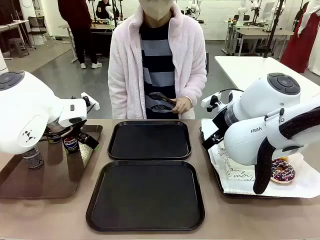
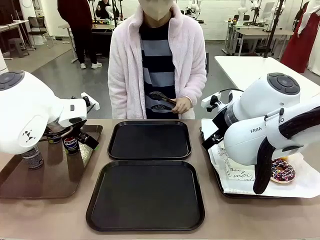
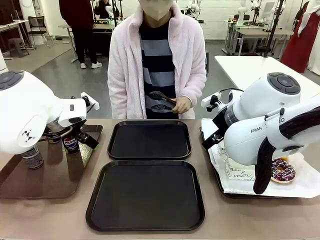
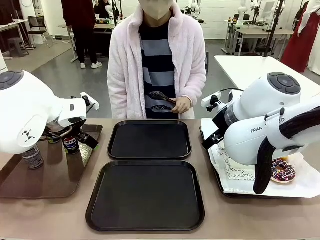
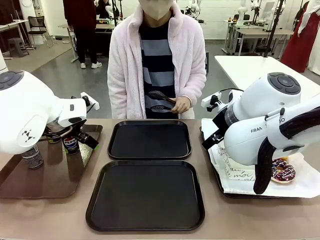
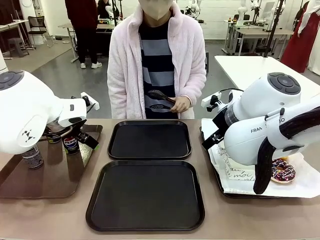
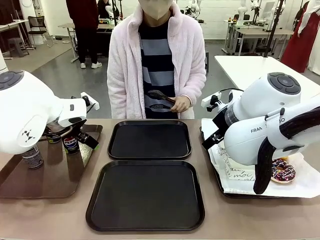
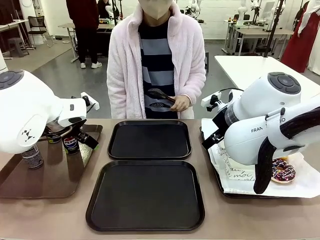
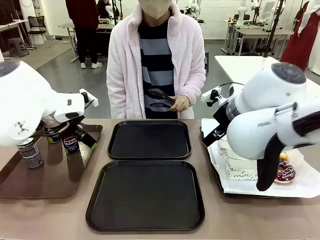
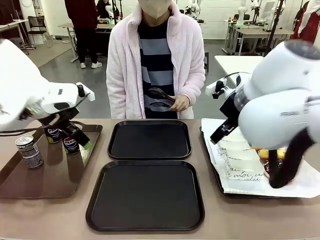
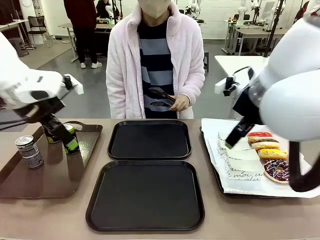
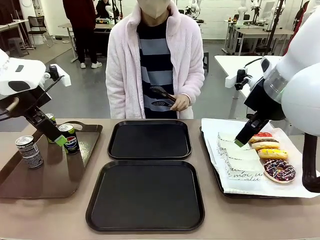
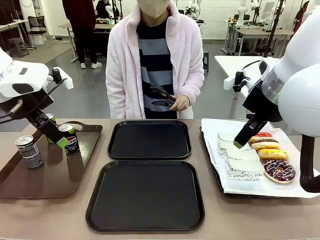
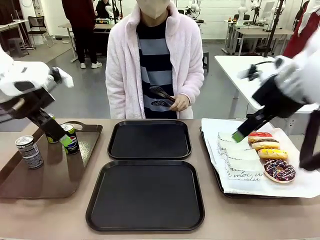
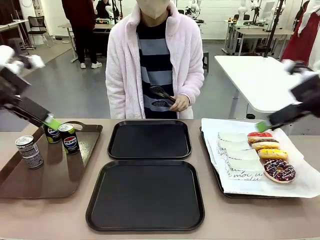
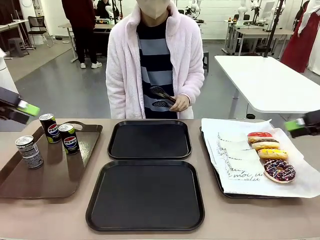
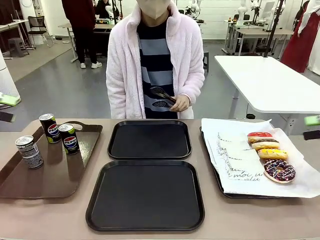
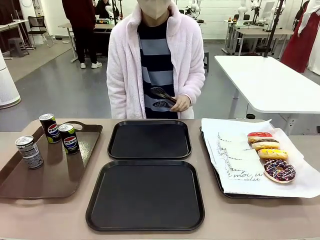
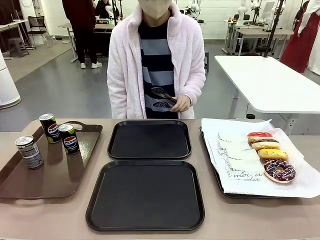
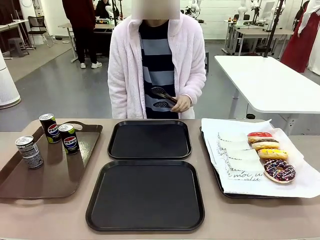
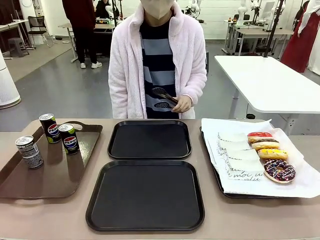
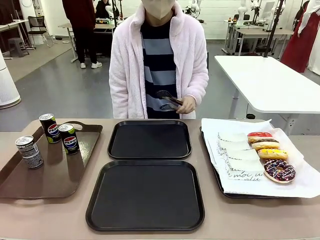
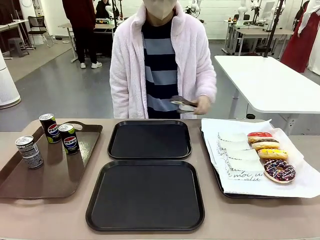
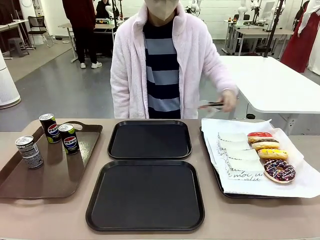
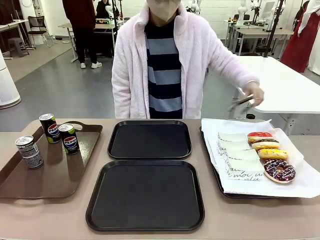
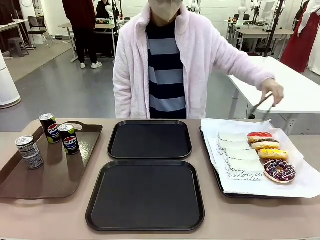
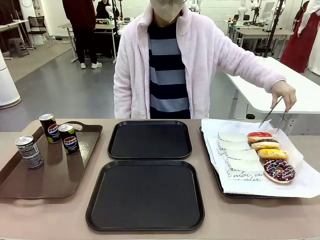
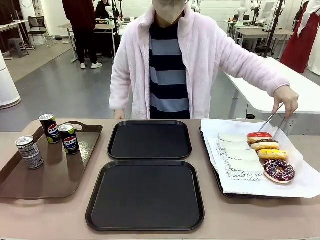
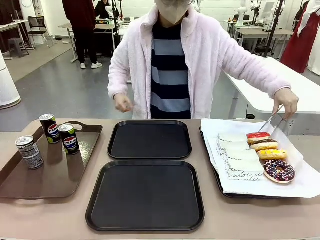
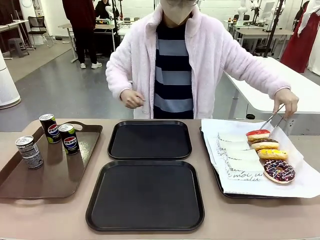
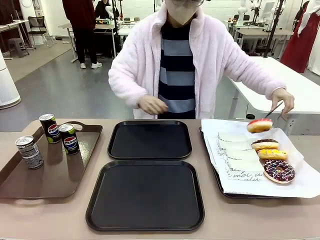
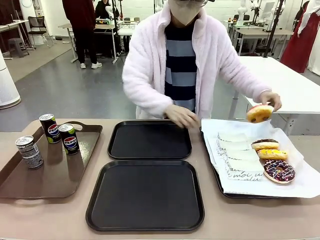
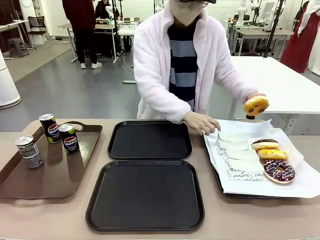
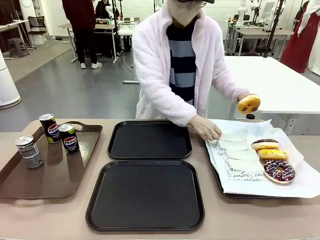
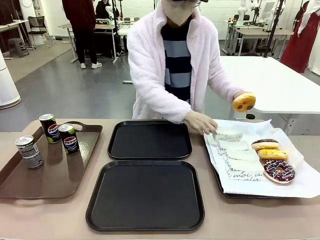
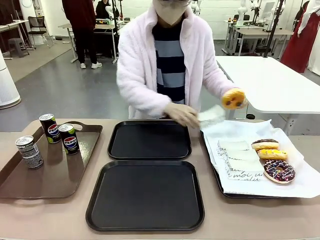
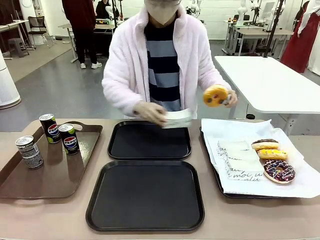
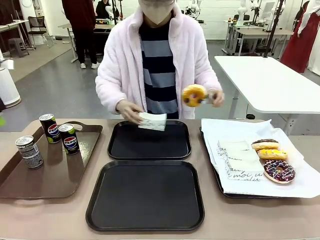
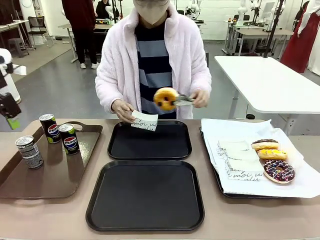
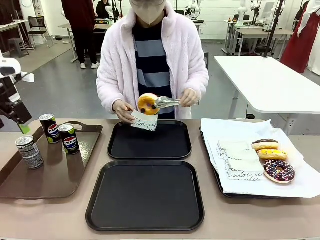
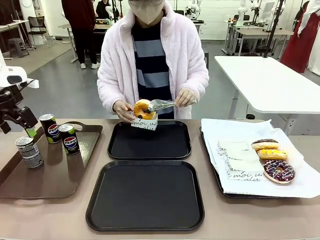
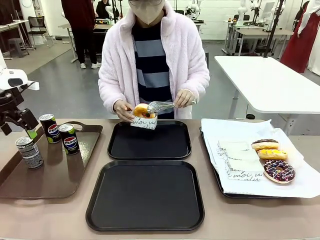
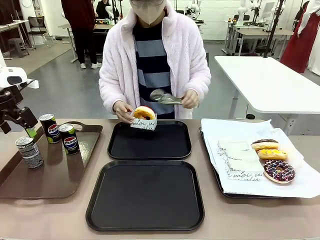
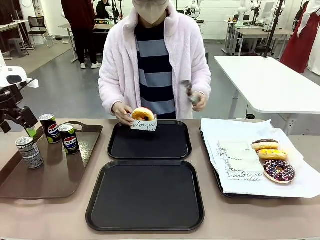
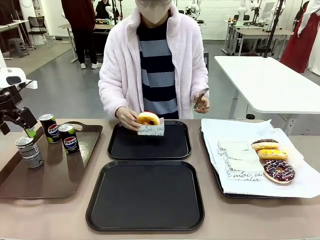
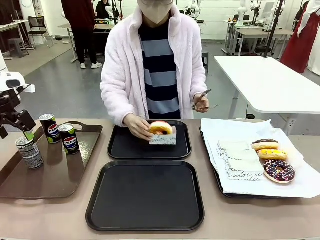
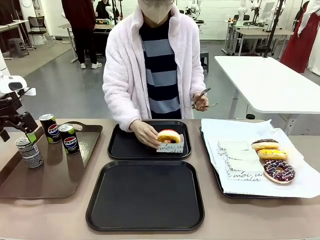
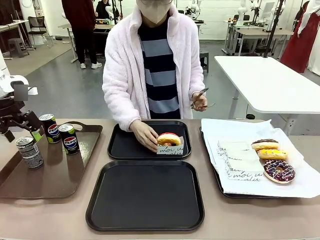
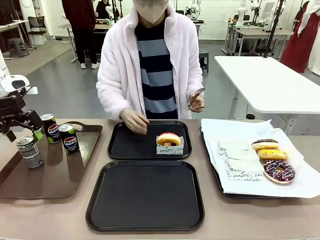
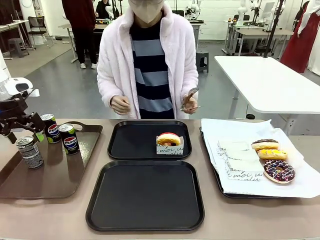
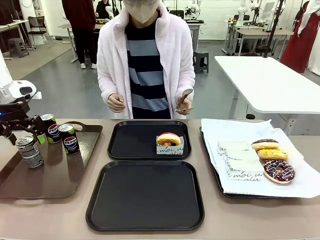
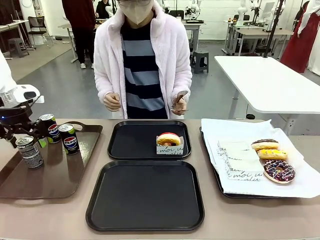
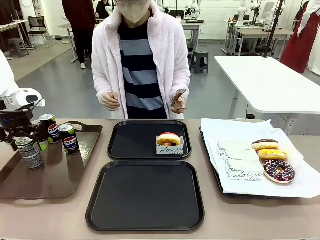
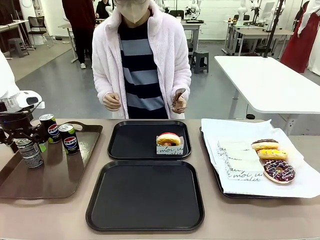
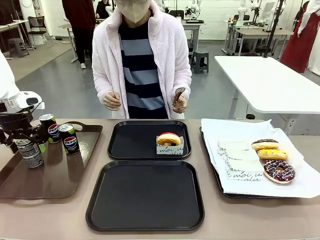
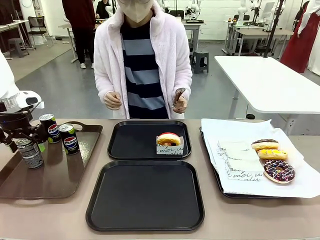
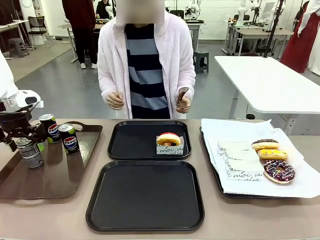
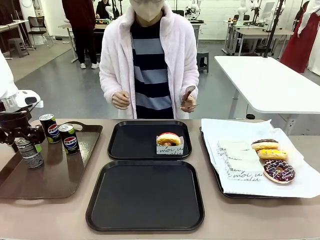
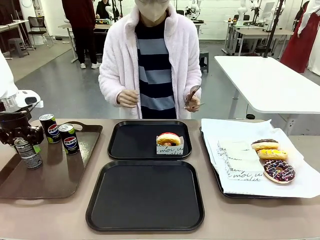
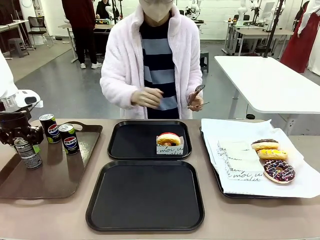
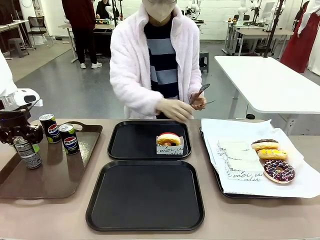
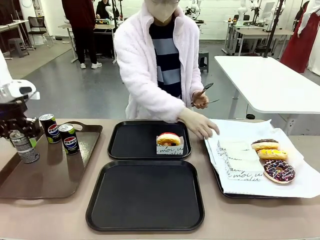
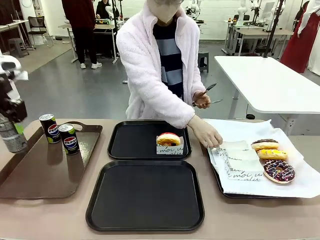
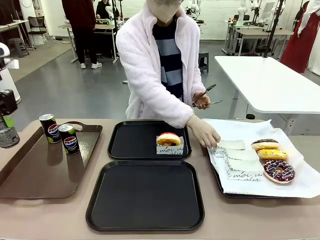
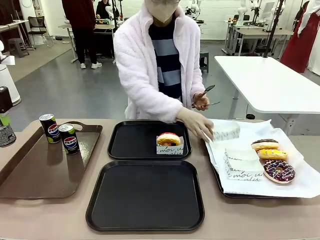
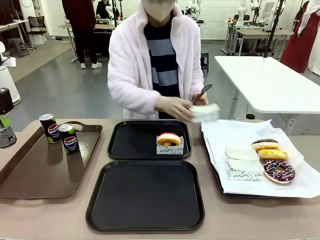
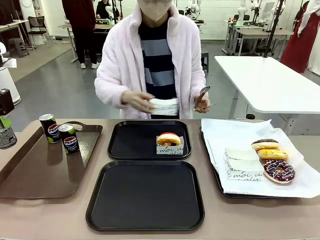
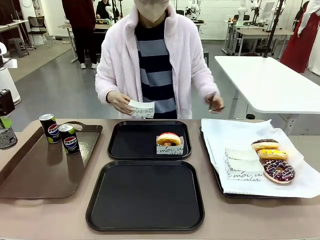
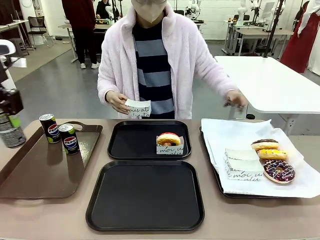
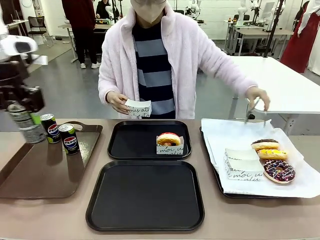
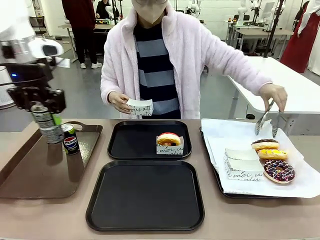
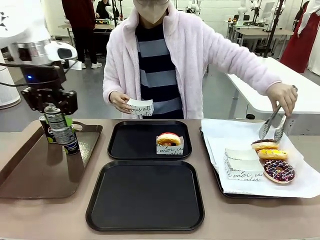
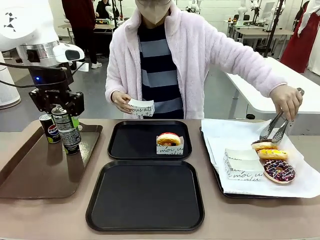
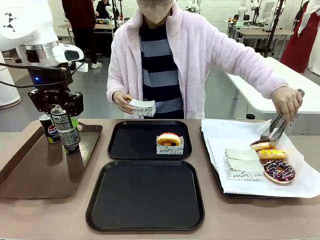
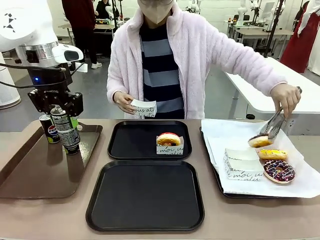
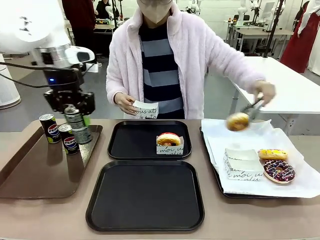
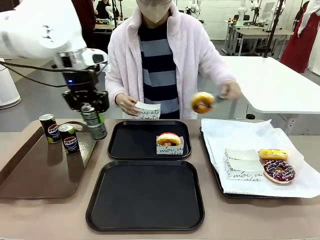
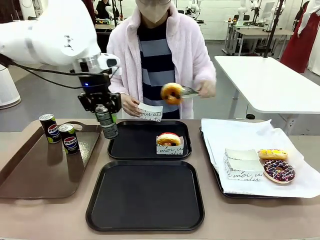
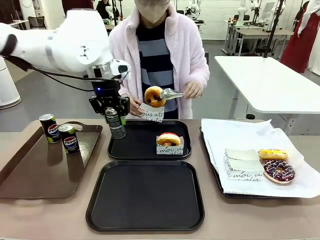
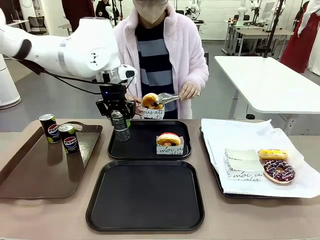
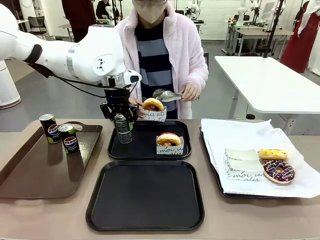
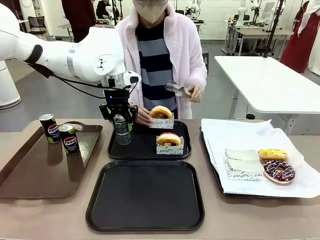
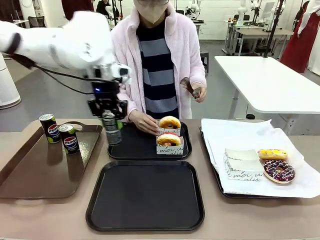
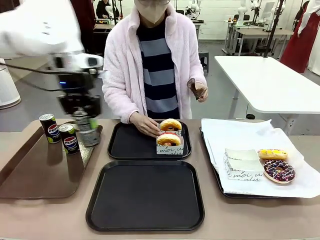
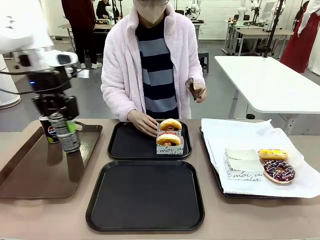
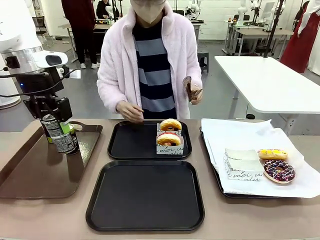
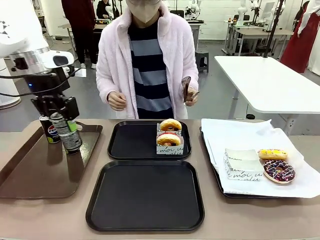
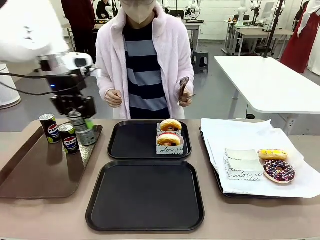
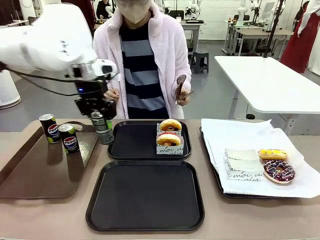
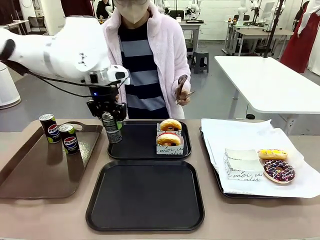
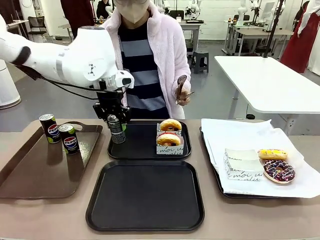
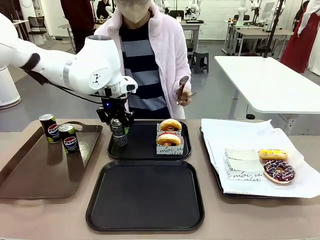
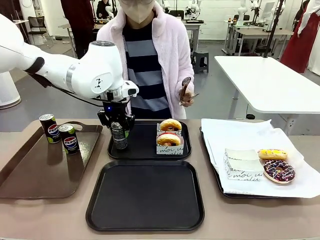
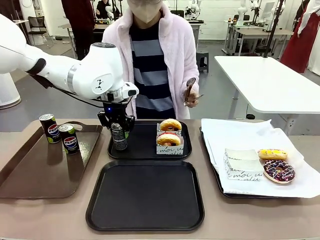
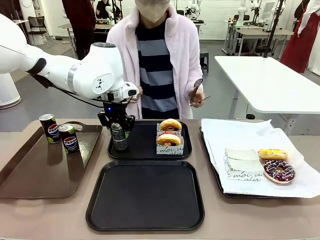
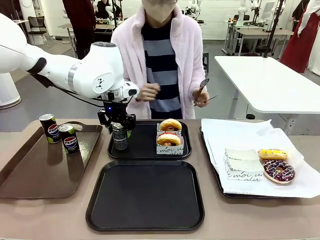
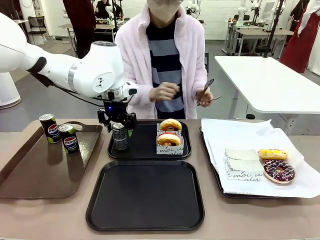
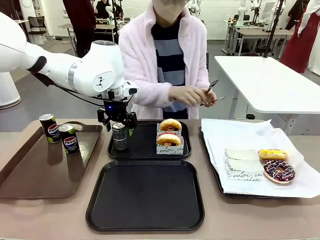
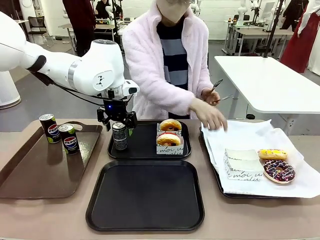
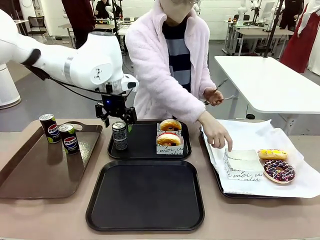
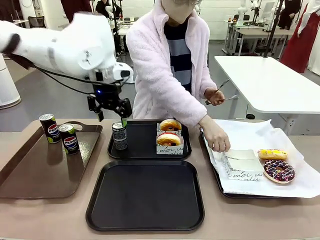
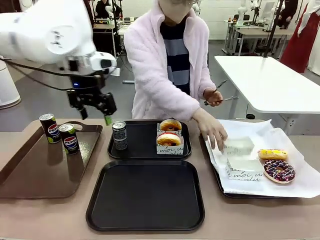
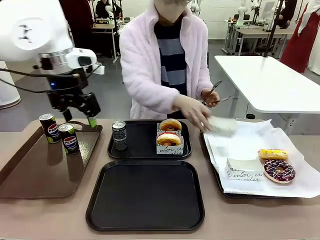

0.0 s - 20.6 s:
Task: Set up donuts and drinks on trays.
Robot: Pick up one Pepsi coke and place it on the Flat Tray.
